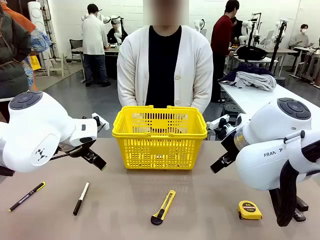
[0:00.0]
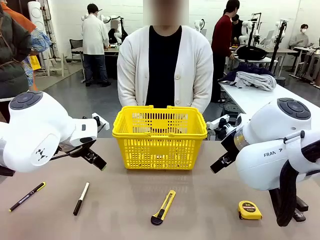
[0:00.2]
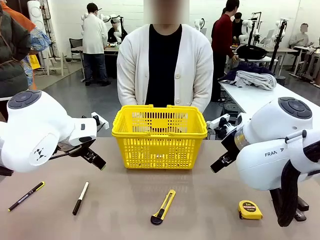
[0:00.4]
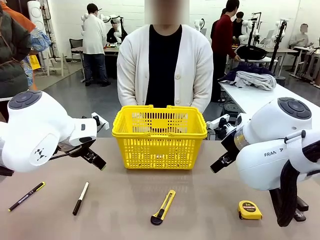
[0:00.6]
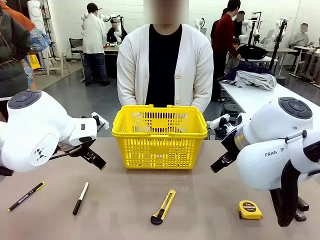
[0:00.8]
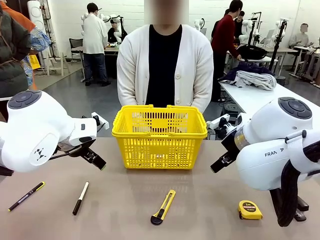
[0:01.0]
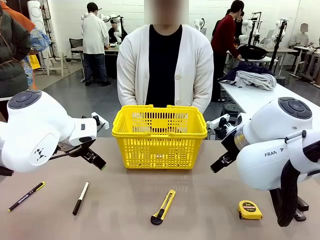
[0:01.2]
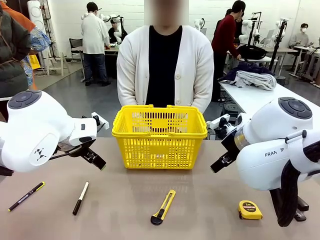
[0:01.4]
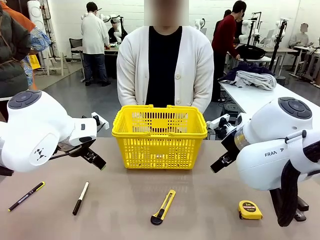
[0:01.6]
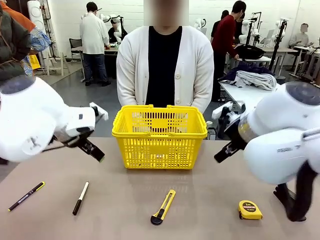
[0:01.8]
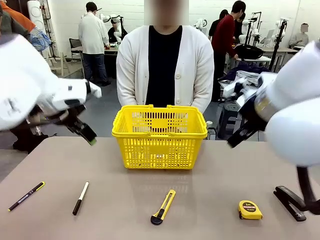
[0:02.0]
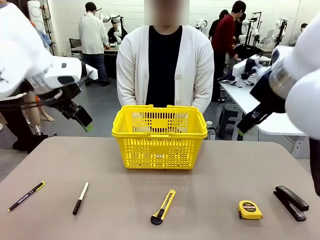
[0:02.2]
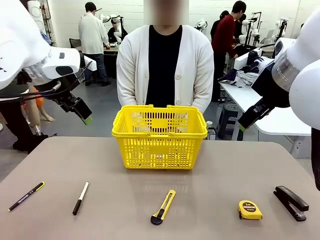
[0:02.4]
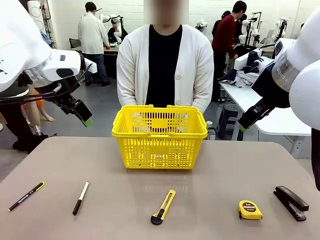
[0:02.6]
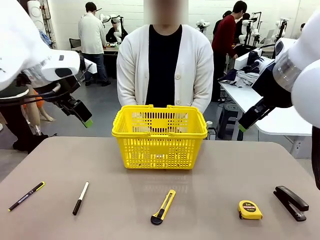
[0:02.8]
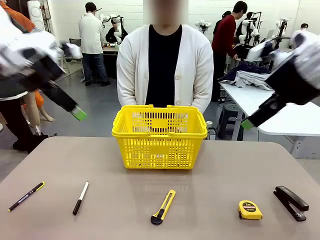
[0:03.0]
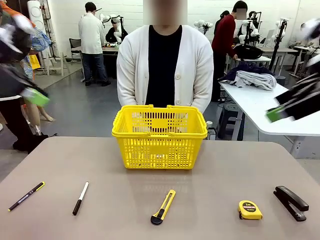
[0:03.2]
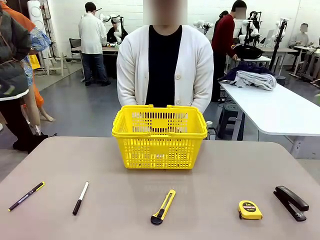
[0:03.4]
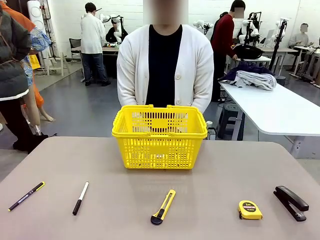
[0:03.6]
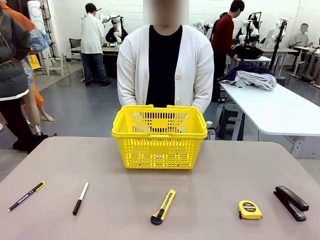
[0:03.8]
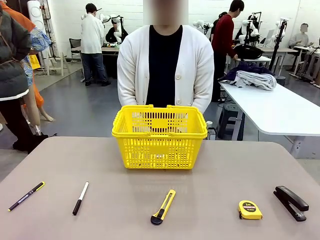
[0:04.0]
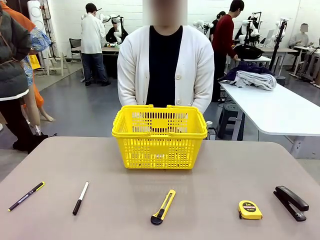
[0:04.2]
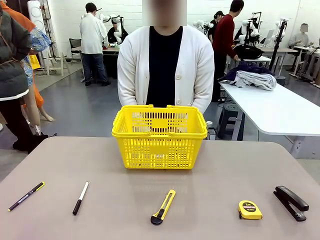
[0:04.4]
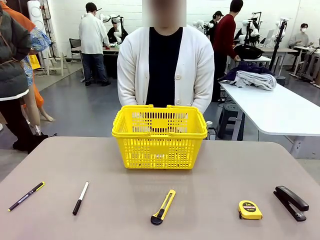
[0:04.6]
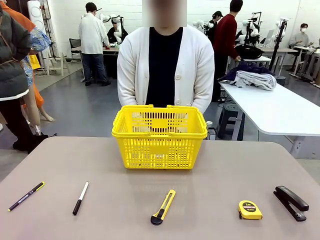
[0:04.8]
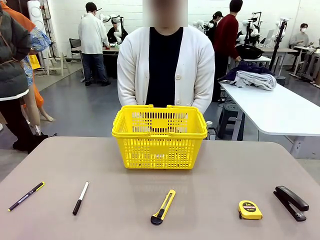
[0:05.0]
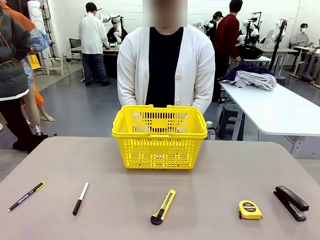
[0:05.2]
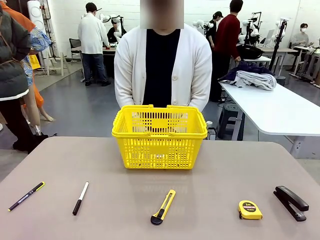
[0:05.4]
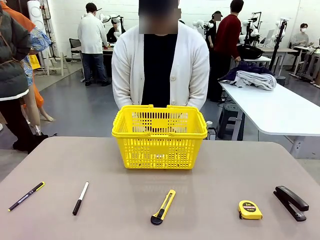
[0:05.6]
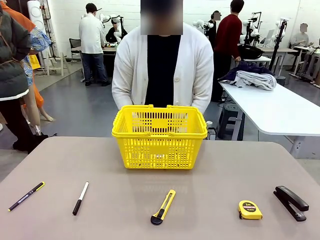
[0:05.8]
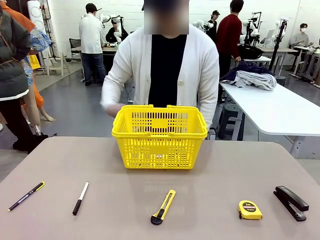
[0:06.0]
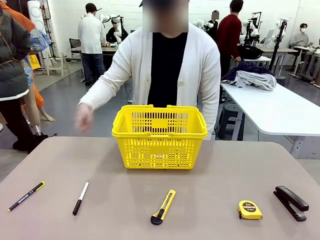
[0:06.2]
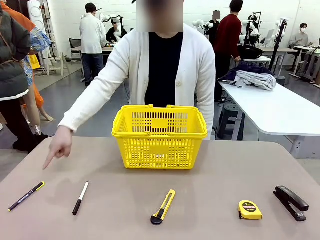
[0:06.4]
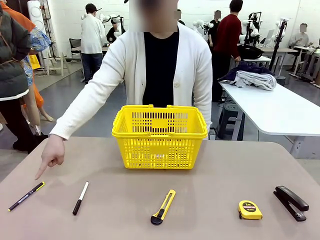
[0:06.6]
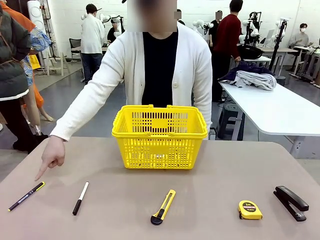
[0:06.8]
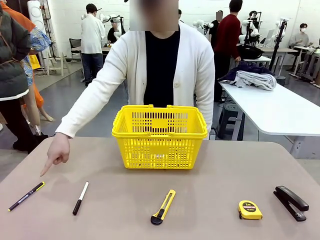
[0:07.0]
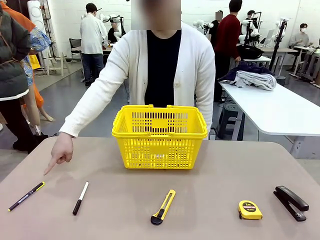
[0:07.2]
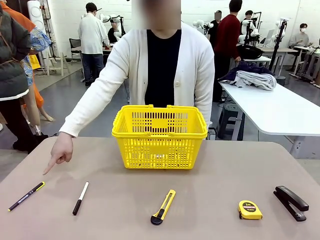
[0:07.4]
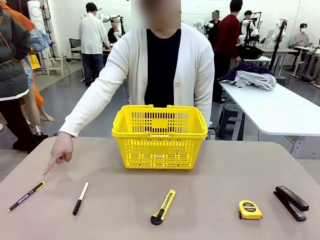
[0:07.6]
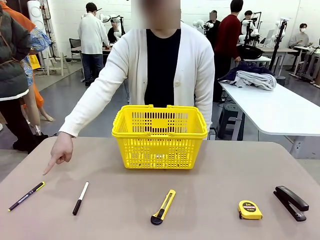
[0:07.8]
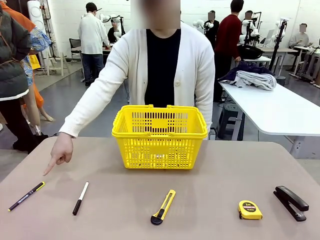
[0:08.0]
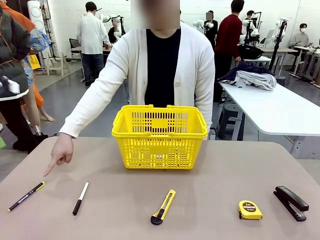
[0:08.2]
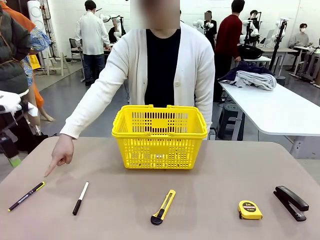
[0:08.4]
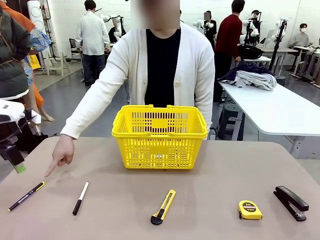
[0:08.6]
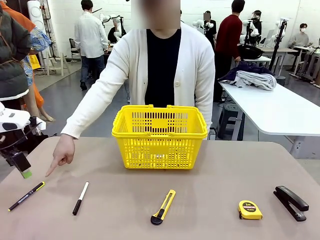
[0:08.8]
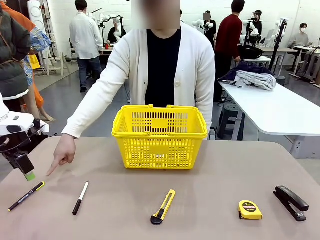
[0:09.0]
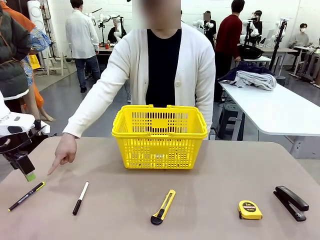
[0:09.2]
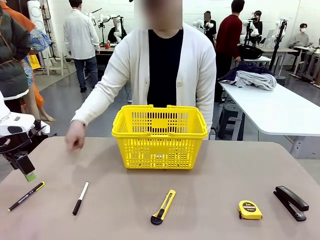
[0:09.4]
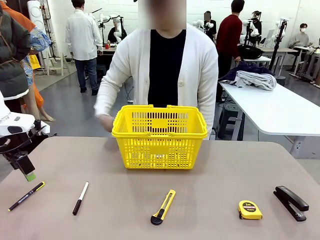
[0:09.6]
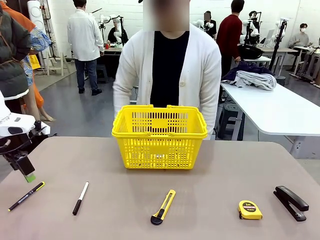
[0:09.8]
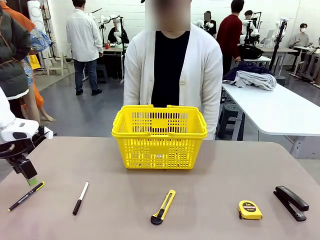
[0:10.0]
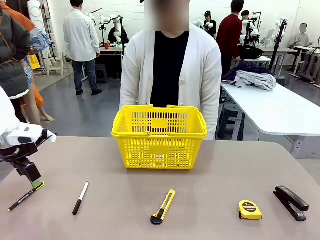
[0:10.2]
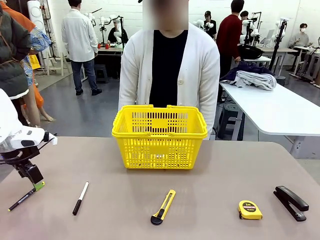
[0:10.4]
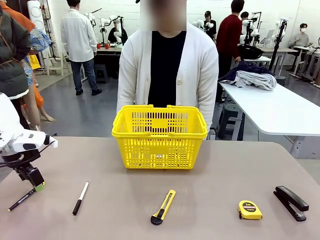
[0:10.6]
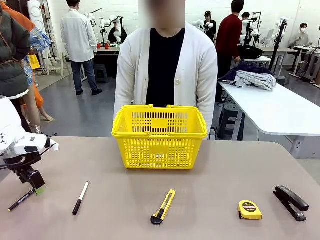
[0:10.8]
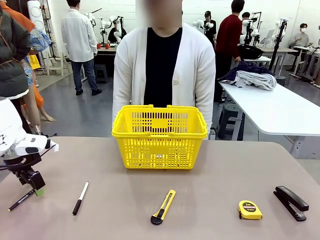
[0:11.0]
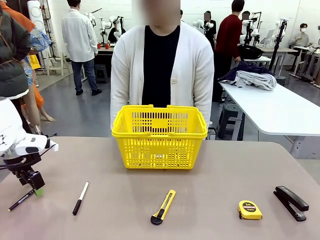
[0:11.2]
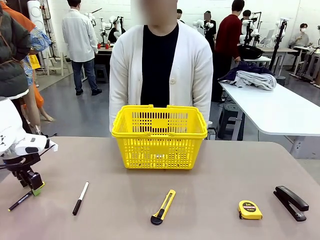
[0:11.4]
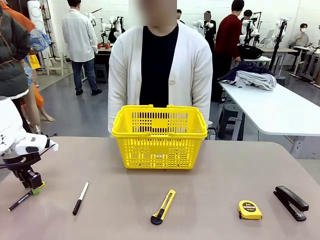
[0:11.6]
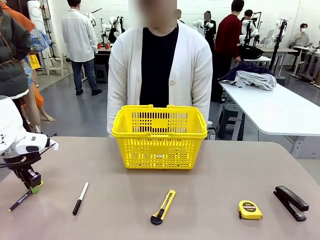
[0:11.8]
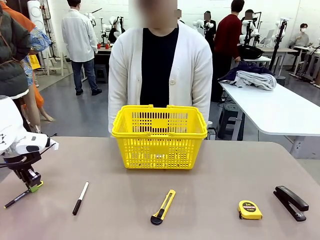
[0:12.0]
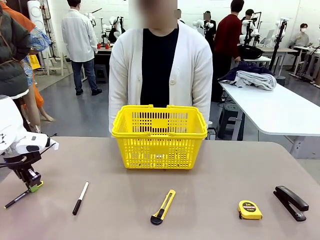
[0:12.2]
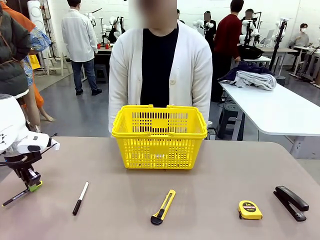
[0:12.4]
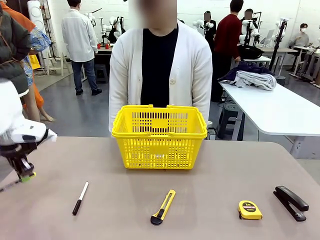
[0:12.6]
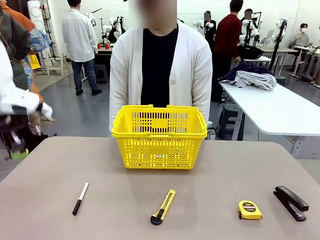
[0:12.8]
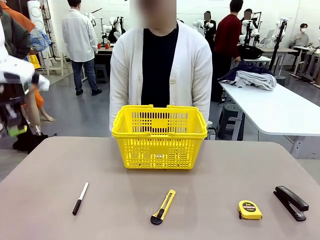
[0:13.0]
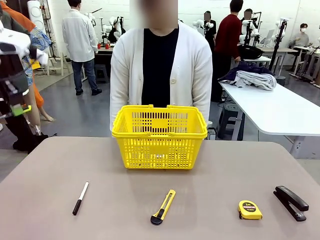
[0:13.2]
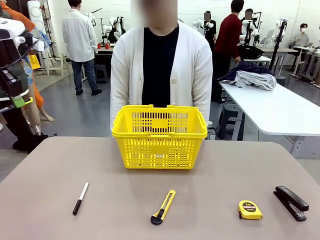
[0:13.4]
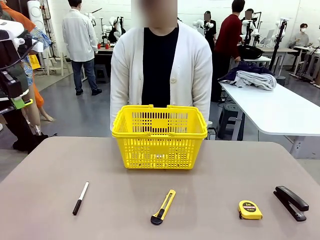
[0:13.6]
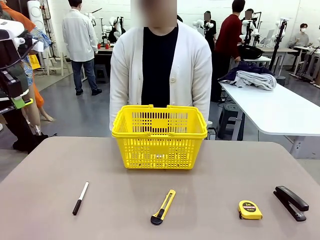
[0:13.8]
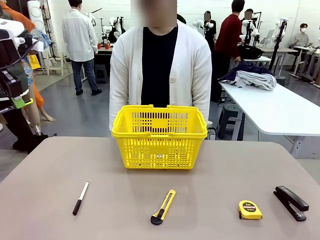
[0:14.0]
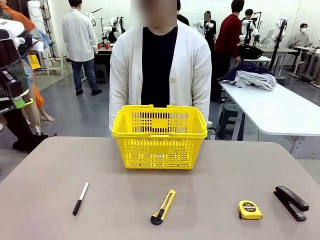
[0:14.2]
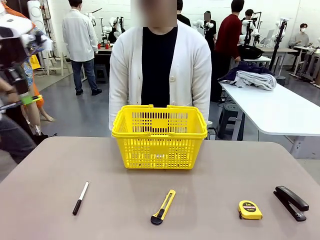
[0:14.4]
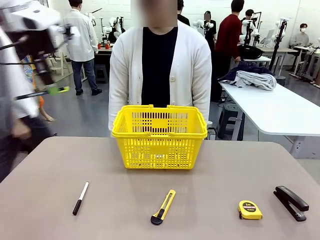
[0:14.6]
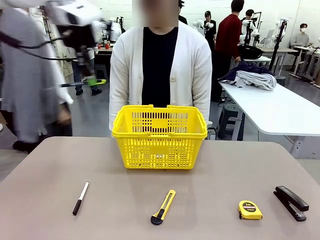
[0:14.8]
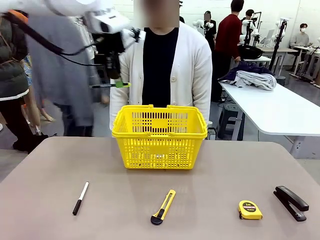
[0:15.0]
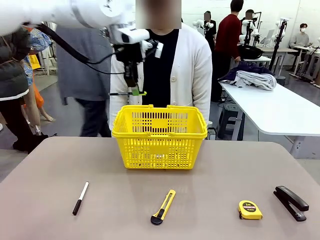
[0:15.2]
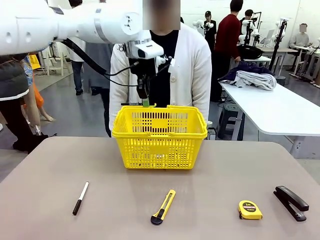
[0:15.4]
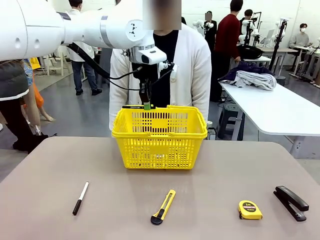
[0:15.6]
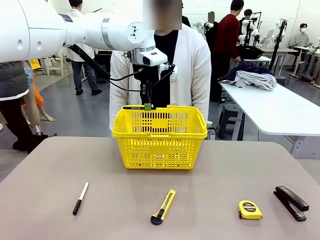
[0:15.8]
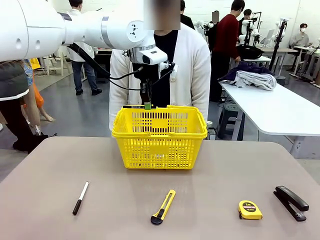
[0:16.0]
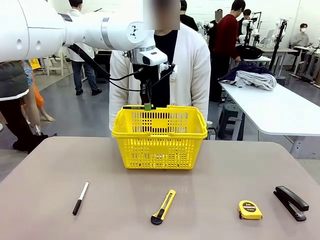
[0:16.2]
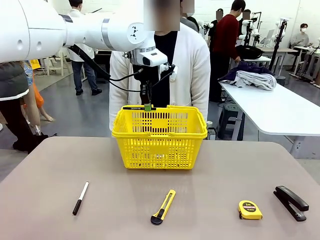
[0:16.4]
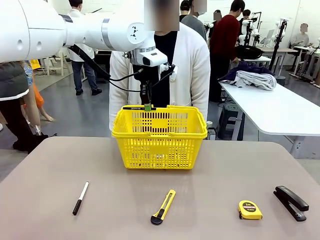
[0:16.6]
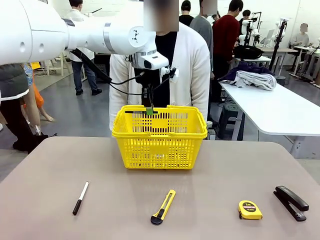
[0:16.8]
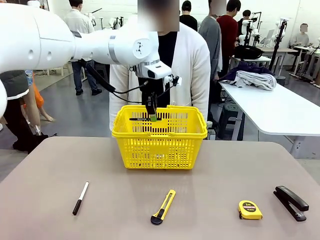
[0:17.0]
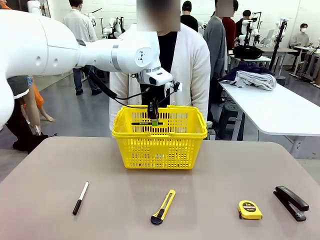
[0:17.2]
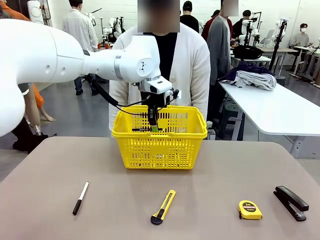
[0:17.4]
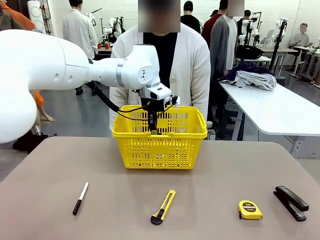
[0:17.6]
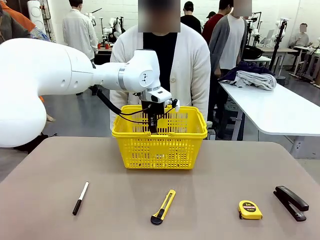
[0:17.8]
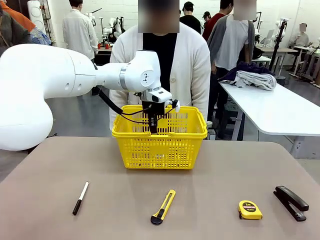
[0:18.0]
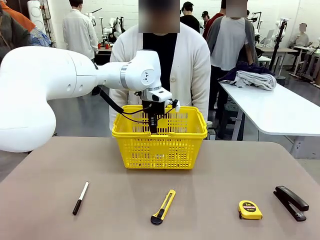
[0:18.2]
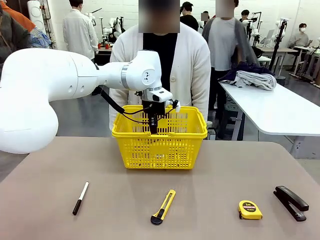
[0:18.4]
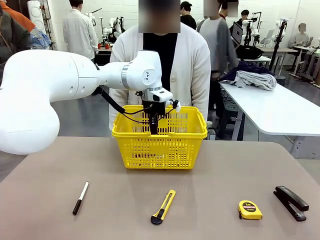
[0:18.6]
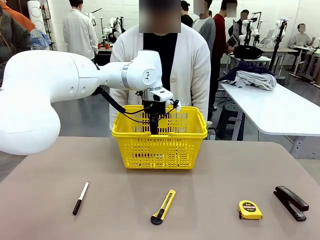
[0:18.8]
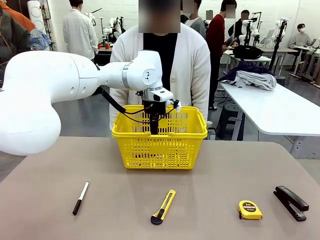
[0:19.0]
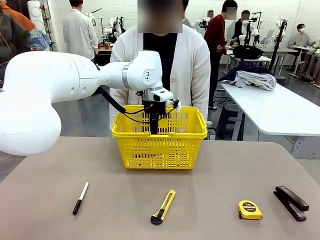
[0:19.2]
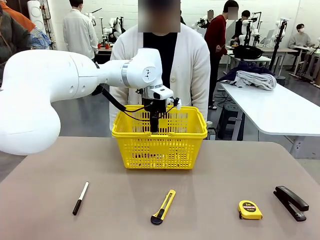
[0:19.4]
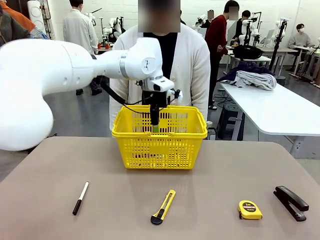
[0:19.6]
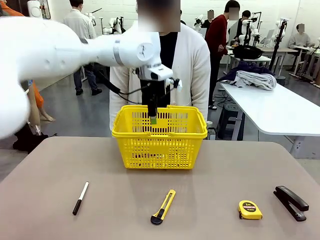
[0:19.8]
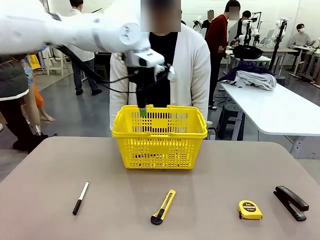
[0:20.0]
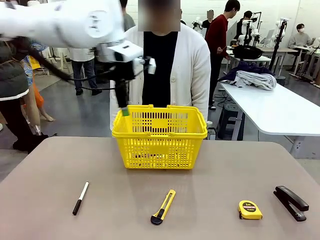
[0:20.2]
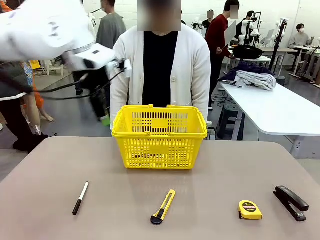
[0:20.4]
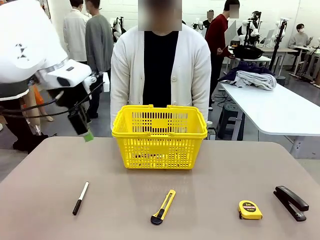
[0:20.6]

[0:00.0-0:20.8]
Task: Place the items the person wants into the basket.
Robot: Pick up the item the person points to and place it in the Market Basket.
